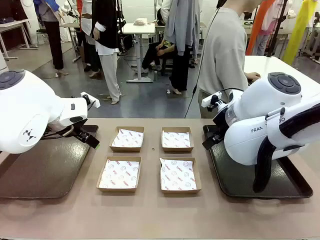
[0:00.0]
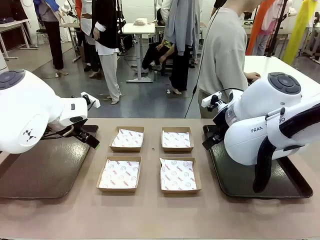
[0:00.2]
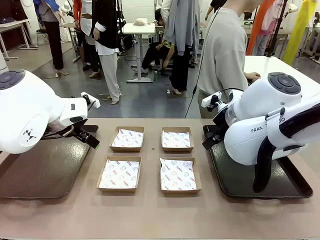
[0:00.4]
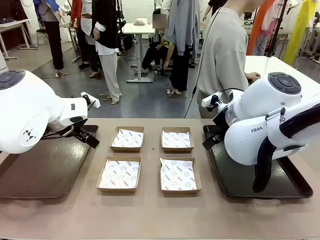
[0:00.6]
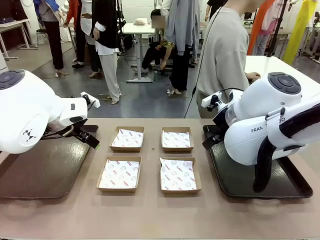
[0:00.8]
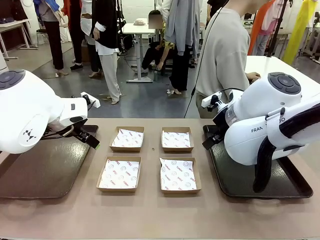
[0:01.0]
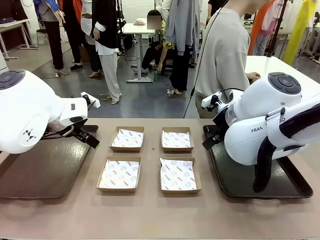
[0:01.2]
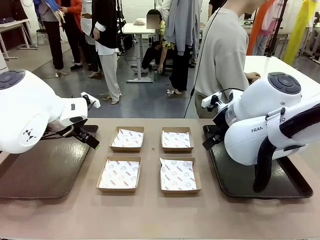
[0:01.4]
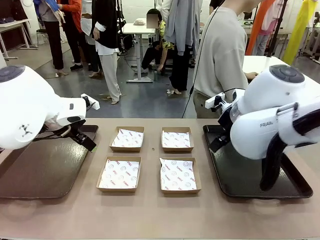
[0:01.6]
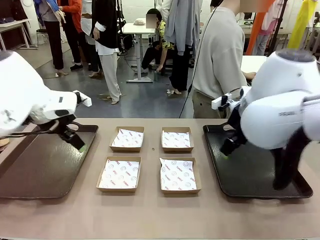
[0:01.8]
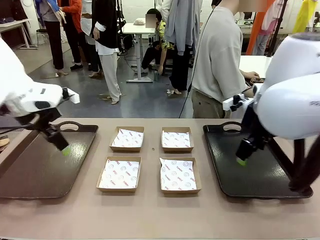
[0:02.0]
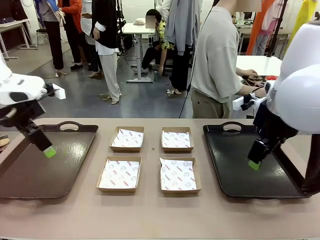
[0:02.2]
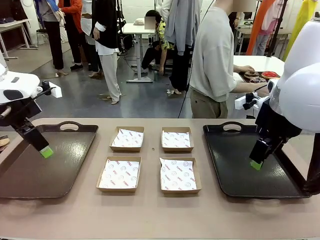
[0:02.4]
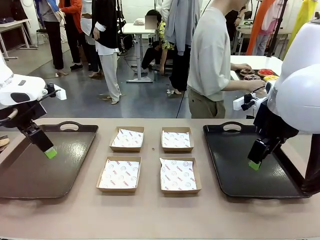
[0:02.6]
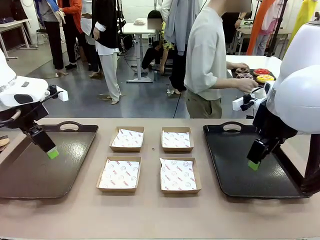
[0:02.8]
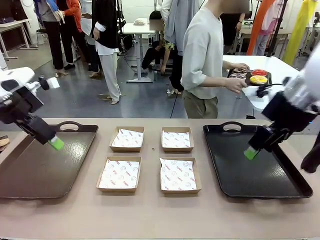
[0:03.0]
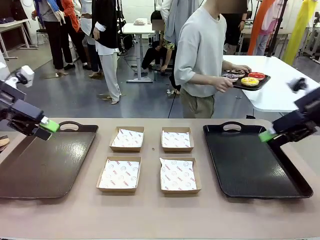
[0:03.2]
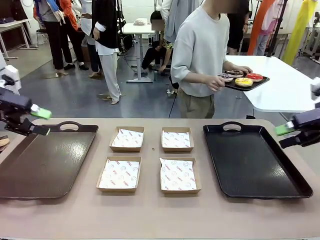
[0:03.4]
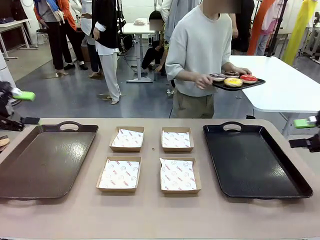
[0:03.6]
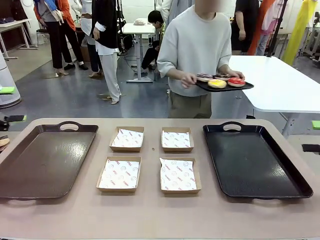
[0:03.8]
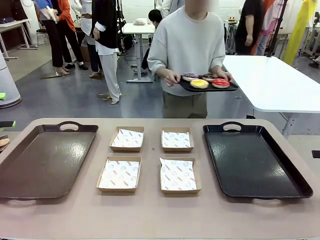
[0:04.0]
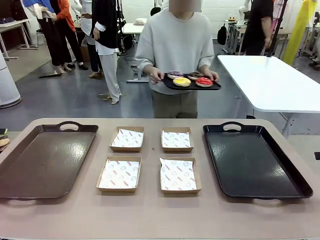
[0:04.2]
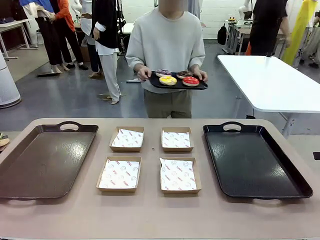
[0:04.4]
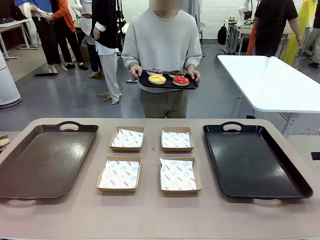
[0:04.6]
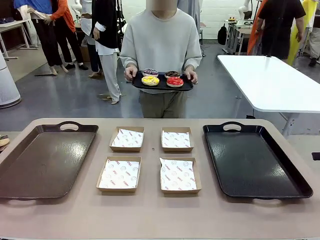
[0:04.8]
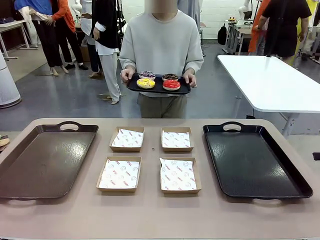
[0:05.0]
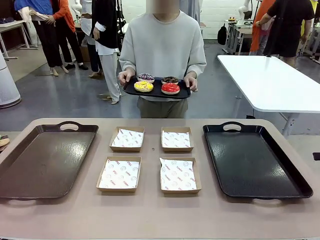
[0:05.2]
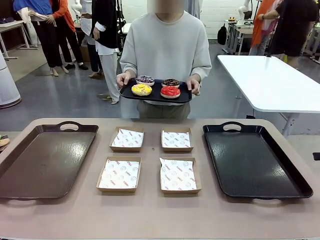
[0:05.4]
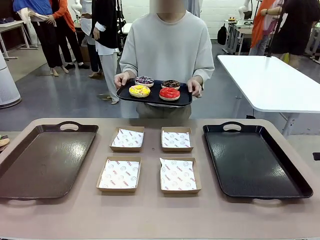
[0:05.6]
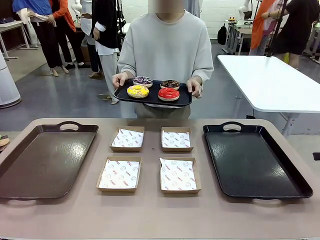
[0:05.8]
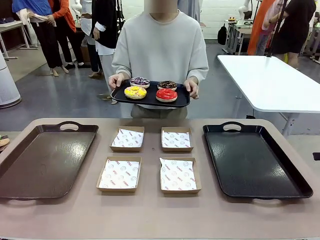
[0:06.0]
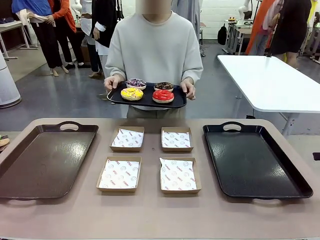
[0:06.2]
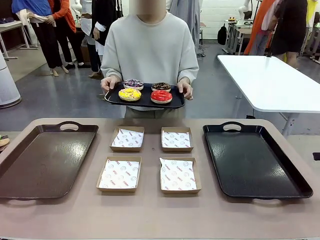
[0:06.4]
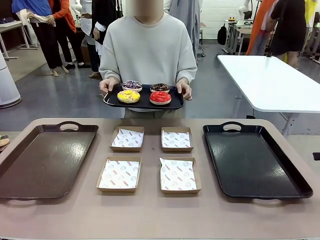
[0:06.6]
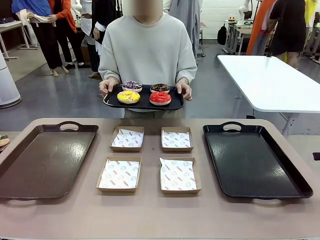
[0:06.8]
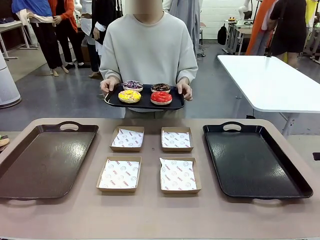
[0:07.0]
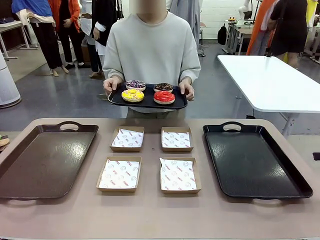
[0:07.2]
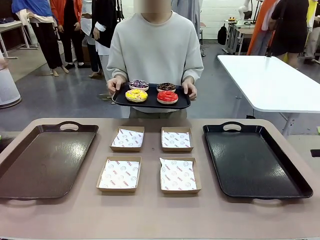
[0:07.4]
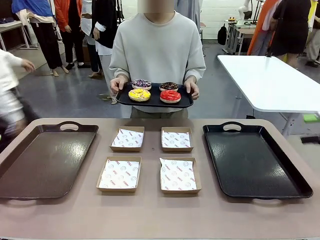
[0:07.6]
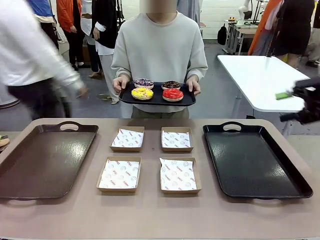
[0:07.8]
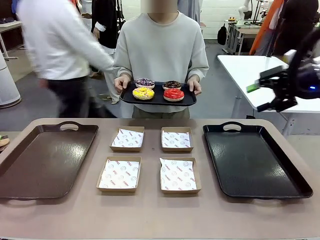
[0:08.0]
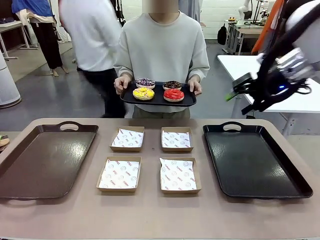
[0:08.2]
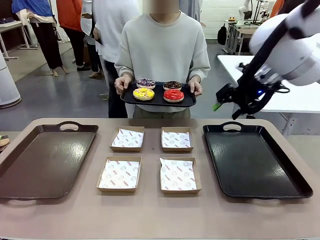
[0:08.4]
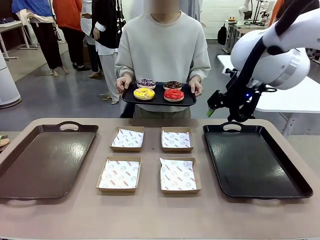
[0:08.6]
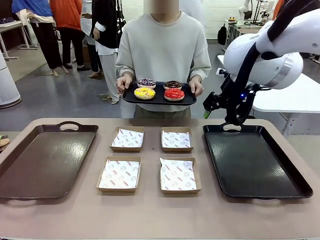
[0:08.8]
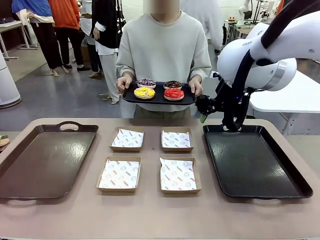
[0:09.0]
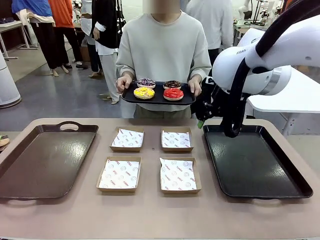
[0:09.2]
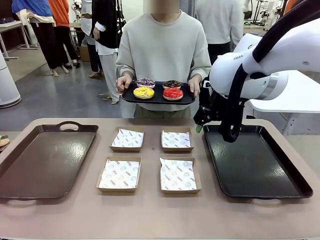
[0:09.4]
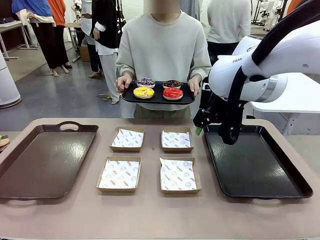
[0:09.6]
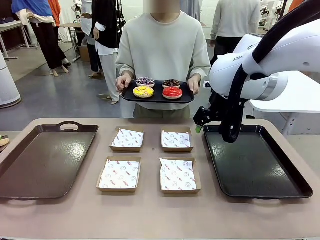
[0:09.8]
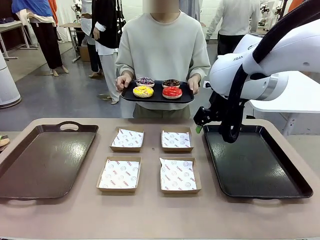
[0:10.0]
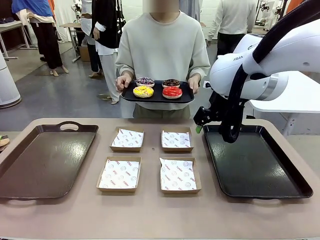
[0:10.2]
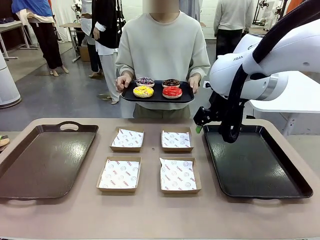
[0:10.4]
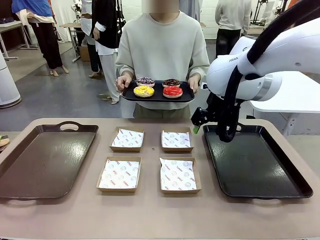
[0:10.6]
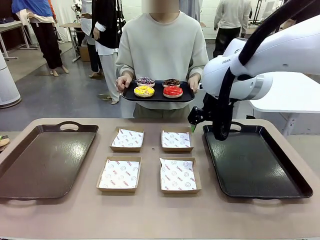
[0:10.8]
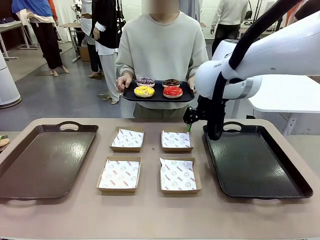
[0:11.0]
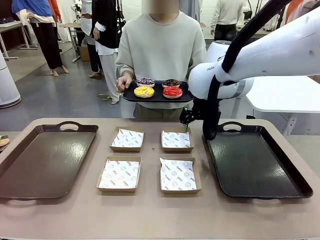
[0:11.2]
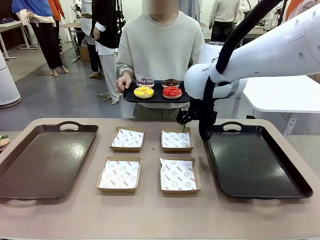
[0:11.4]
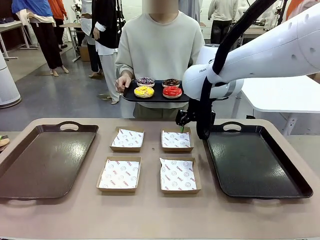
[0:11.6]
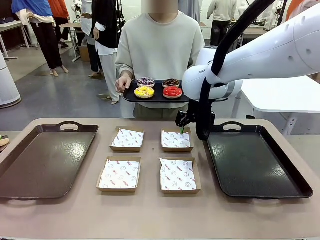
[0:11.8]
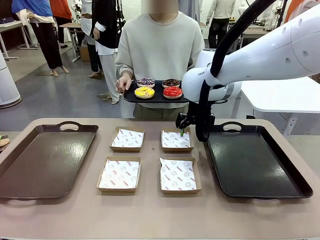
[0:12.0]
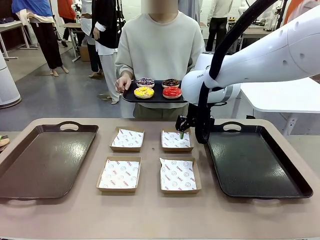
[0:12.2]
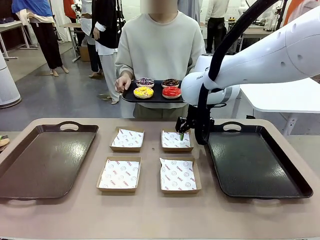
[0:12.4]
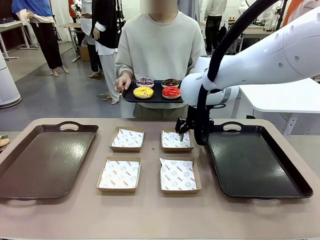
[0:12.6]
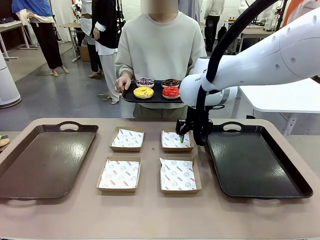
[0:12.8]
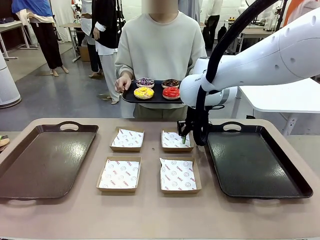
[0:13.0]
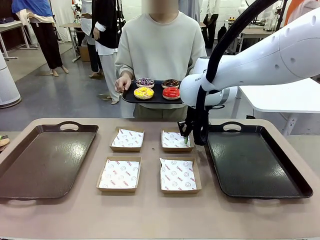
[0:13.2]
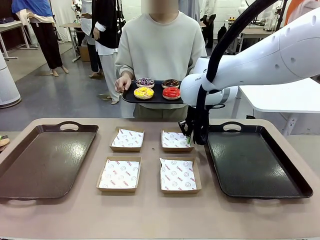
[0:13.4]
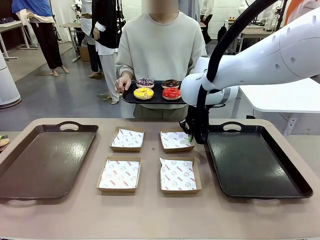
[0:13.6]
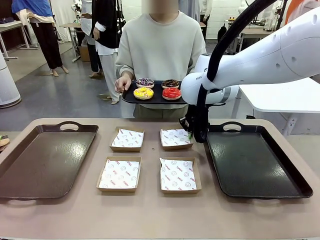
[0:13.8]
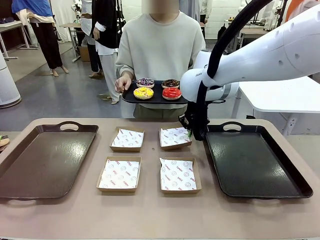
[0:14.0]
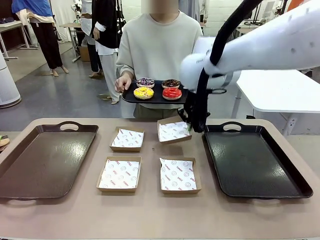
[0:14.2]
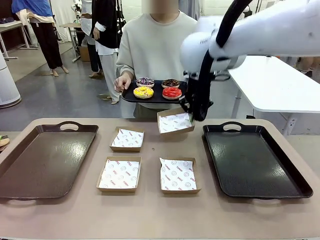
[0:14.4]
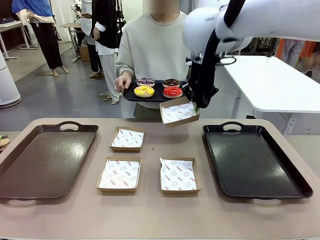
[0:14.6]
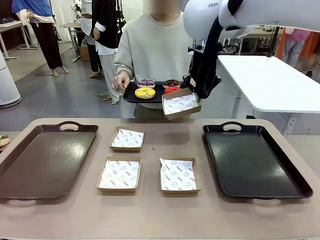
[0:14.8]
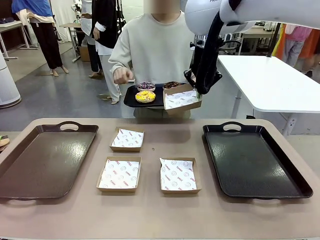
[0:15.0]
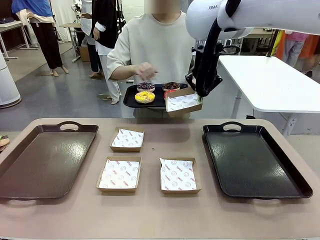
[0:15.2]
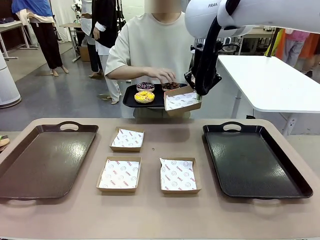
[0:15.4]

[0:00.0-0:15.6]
Task: Individually package the donuts and arrange them on the tray.
Robot: Pick up one Paper togo box.
Person: Stand in front of the robot table holding the tray containing the donuts.
